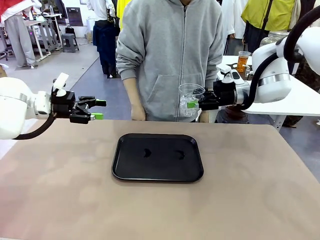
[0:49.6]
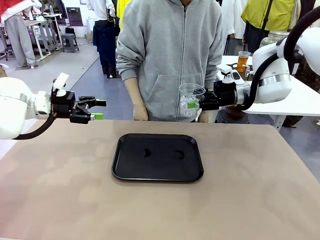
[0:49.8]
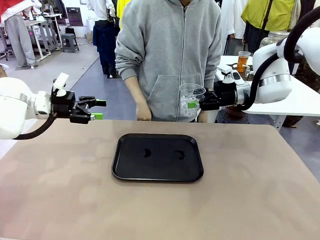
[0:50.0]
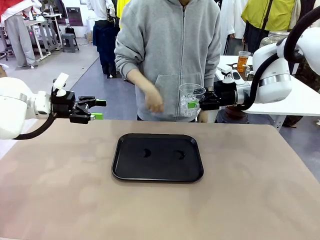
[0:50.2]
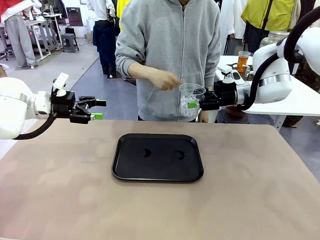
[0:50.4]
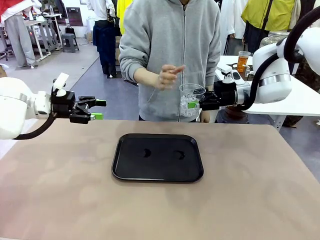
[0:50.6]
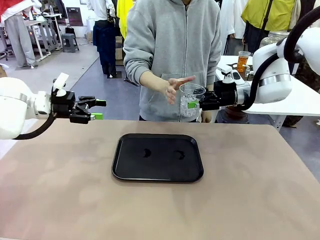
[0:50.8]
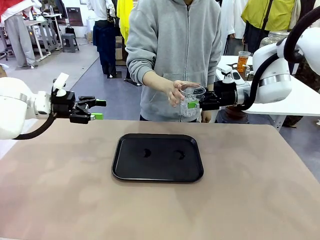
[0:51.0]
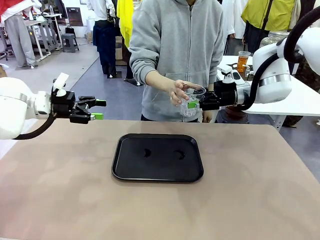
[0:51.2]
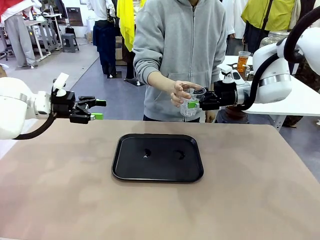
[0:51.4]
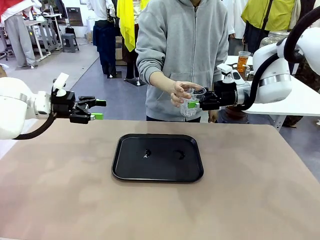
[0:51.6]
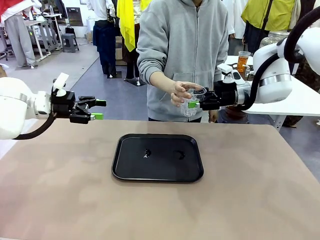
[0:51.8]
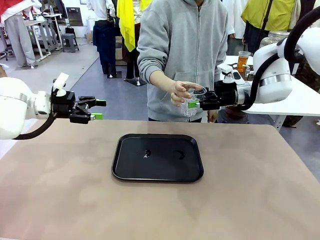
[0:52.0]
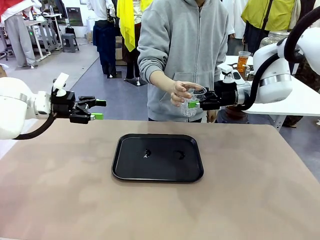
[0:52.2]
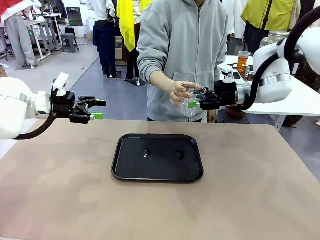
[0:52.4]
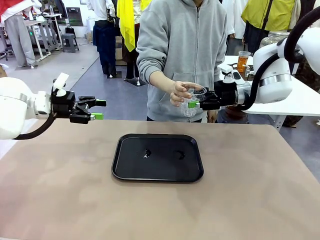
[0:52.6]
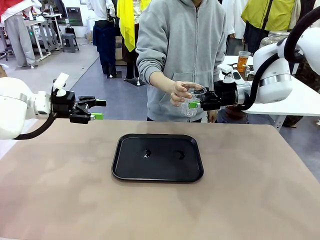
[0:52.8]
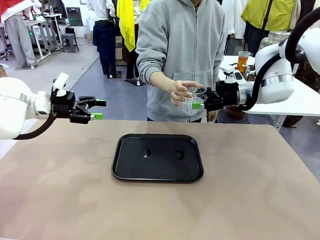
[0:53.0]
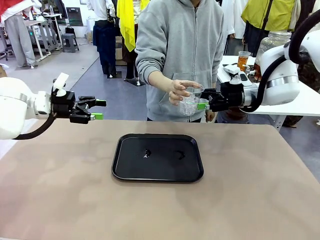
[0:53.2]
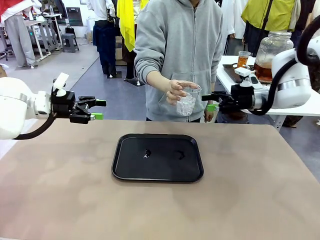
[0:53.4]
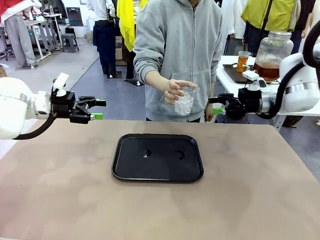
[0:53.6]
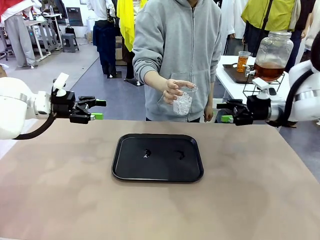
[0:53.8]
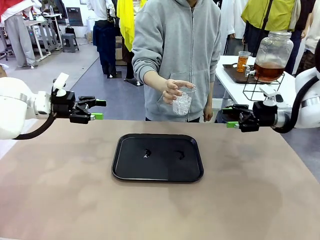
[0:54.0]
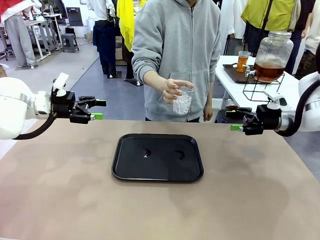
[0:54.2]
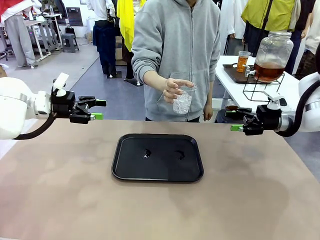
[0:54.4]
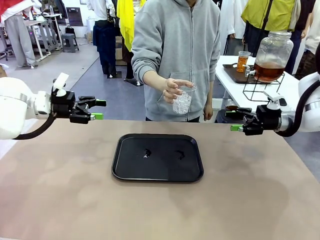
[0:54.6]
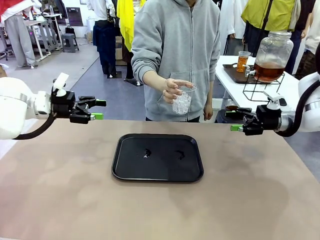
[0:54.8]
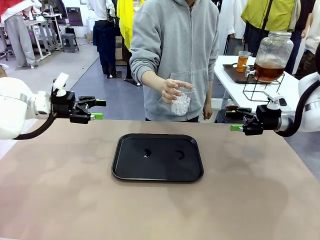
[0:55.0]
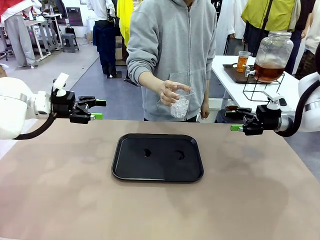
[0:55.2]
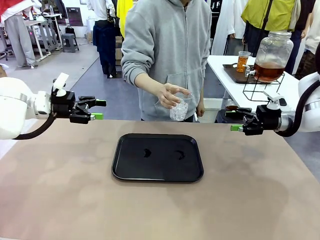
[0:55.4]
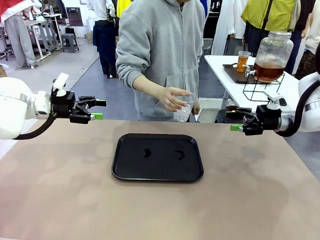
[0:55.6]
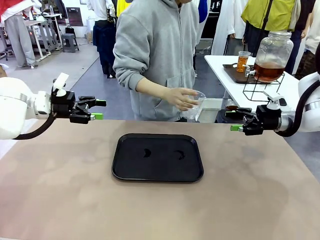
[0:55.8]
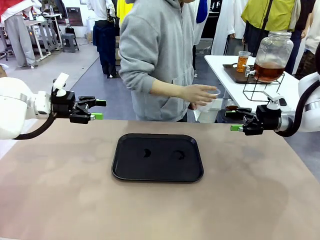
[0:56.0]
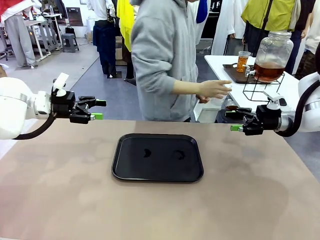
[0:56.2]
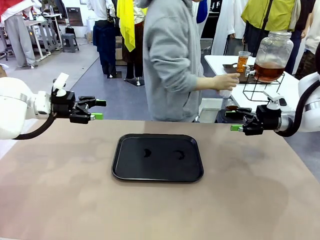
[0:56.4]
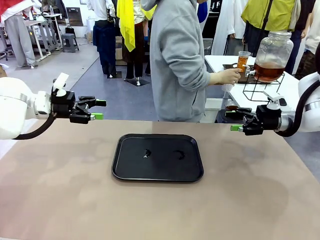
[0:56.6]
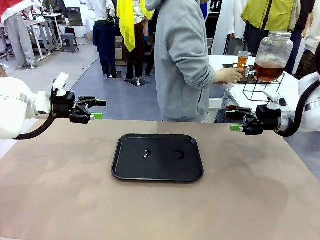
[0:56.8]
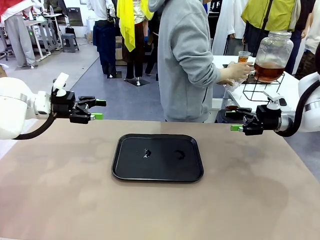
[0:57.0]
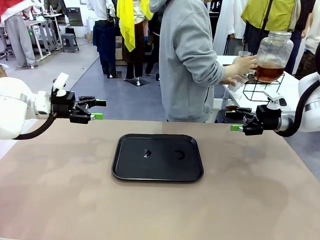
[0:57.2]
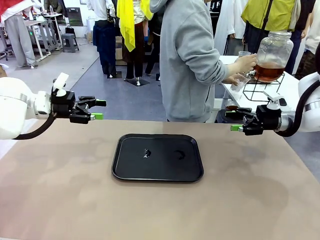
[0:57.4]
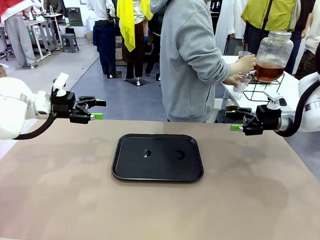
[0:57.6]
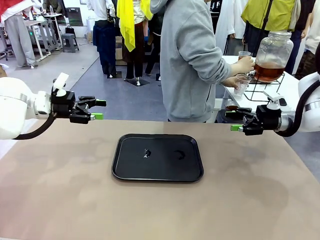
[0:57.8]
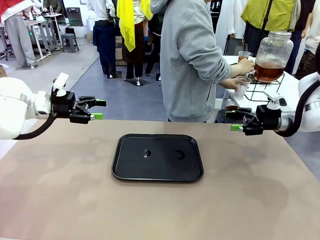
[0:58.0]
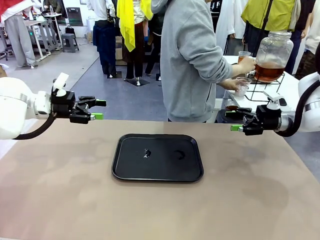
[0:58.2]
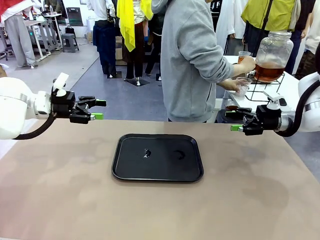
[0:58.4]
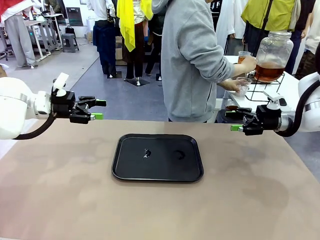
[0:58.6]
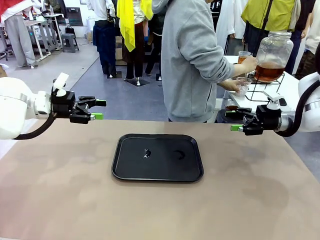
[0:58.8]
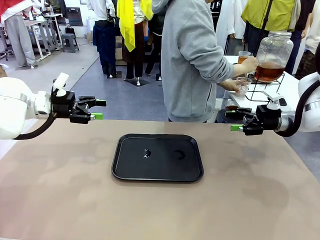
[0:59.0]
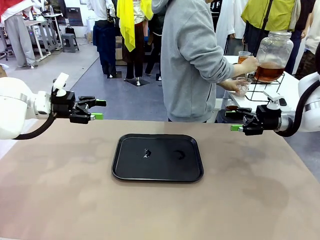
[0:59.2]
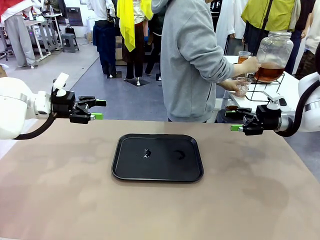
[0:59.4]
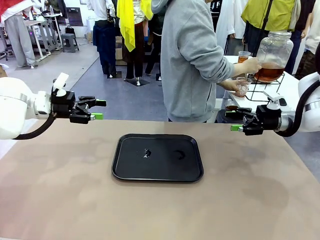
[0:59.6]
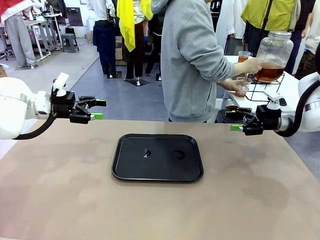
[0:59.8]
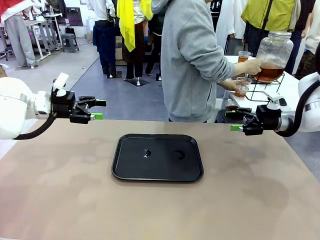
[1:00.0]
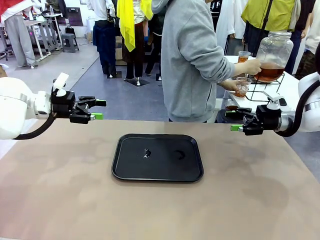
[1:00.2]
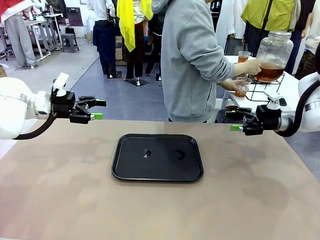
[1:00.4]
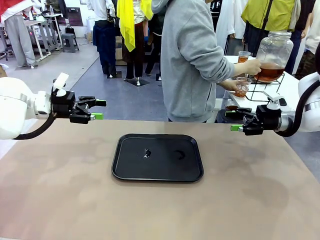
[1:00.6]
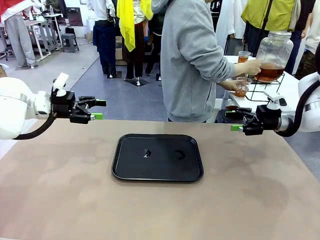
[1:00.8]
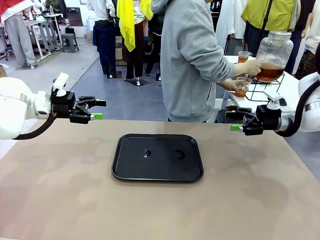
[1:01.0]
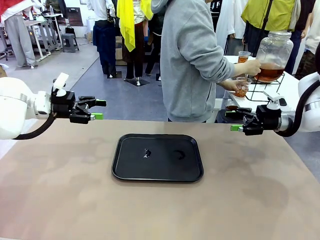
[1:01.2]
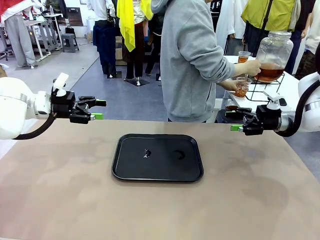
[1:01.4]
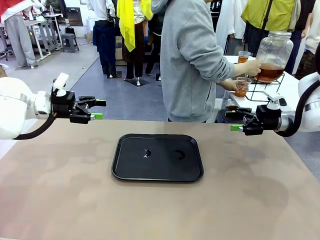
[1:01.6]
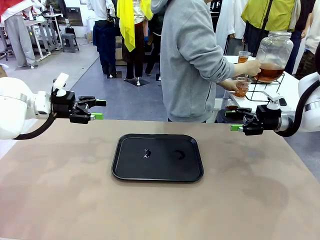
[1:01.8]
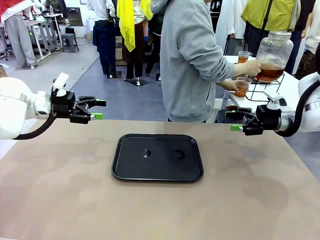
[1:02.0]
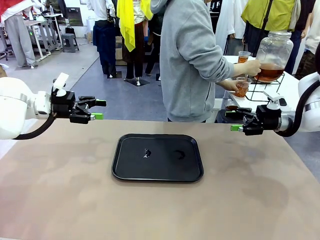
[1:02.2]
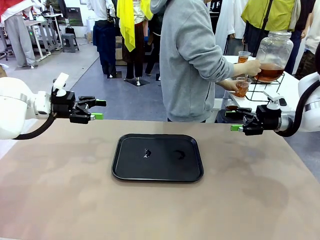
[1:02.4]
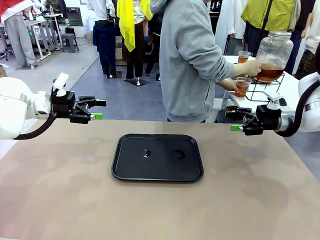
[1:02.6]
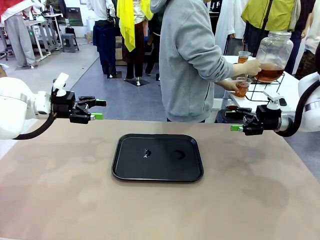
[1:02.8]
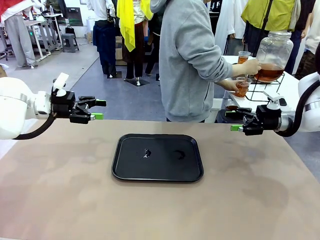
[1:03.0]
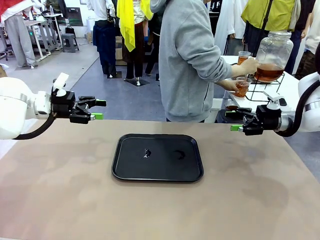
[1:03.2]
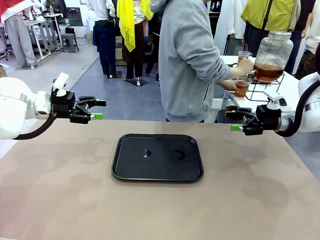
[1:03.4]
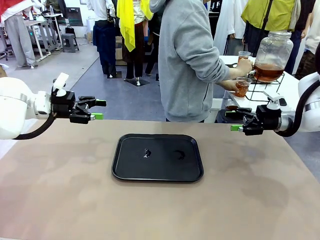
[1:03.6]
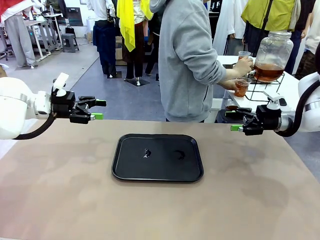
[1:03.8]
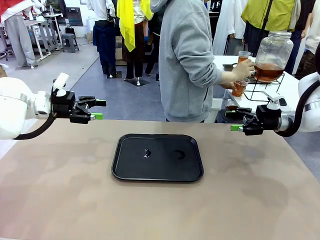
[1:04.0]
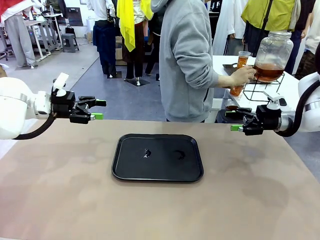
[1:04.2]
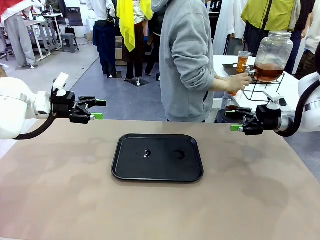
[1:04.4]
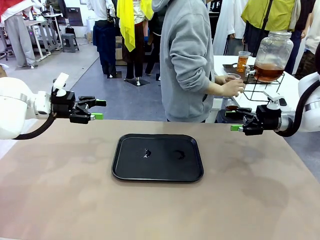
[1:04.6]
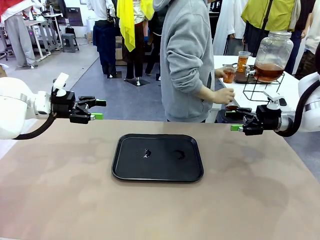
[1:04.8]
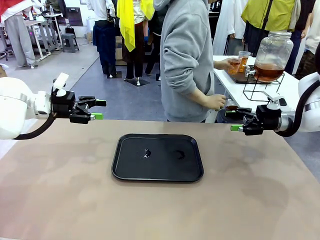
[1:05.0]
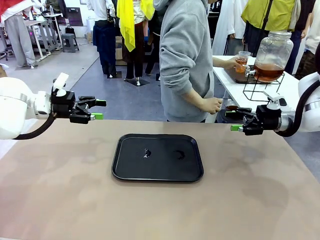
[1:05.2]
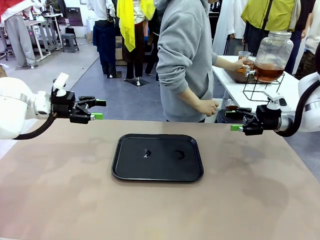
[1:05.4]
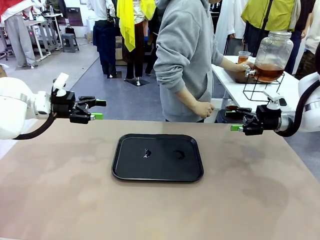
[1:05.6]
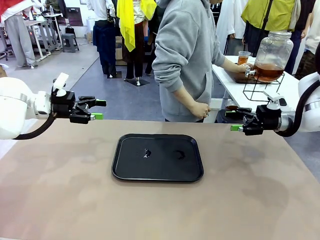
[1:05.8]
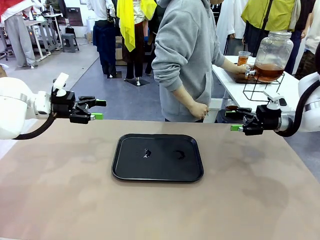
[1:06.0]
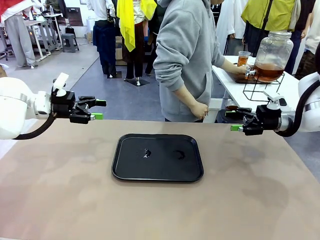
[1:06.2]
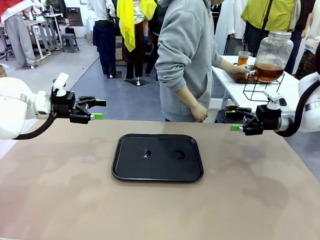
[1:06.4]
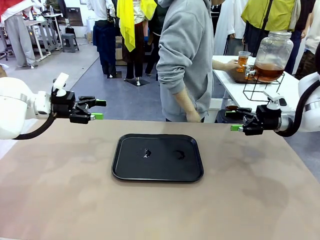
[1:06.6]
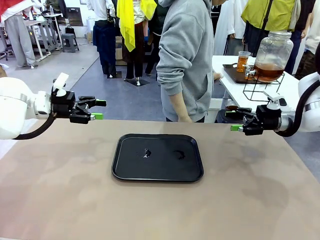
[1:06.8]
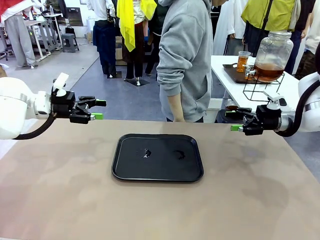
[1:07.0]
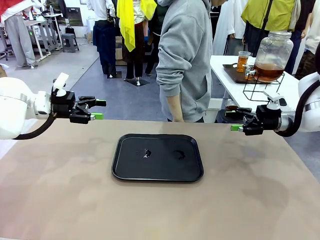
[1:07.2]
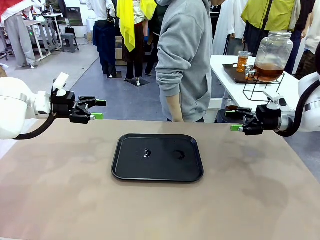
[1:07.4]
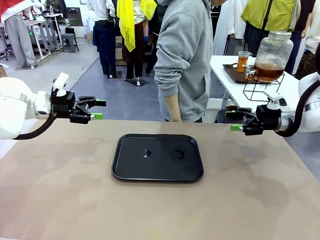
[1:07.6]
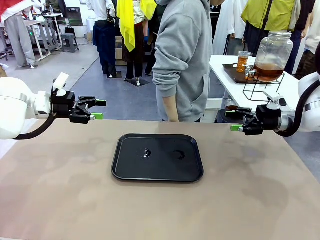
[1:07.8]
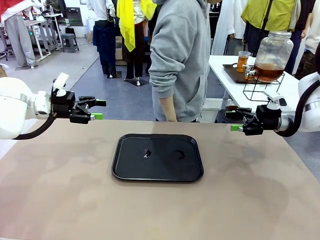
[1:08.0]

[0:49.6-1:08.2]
Task: Pour the drink into the iced cup.
Robot: Open the gripper to release the iced cup you were holding.
Person: Move the picked-up cup under the dispenser faucet, pour the drink, and place it on the tray on the human table.
